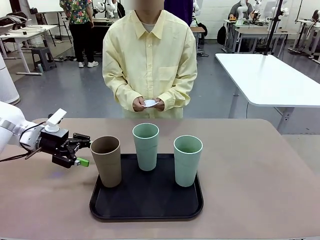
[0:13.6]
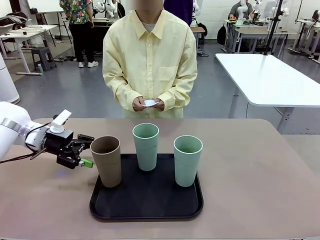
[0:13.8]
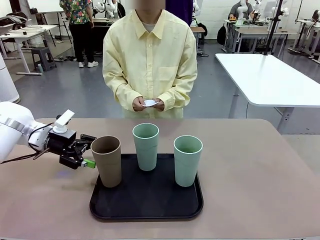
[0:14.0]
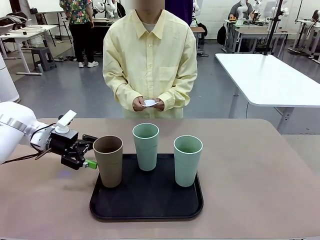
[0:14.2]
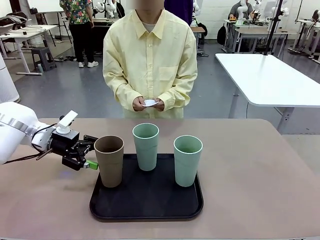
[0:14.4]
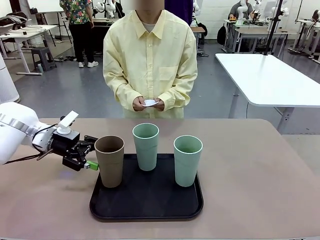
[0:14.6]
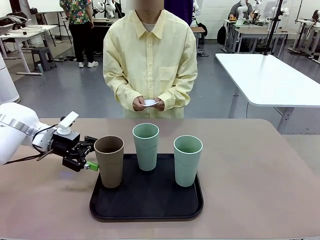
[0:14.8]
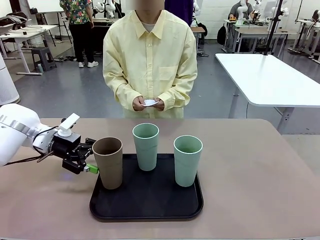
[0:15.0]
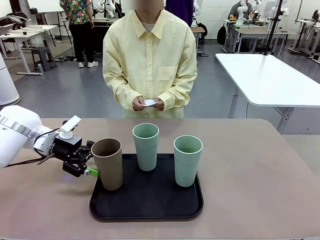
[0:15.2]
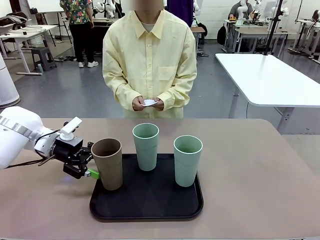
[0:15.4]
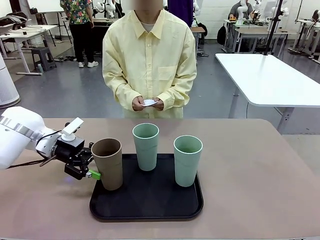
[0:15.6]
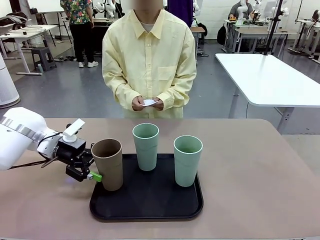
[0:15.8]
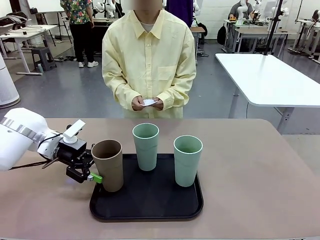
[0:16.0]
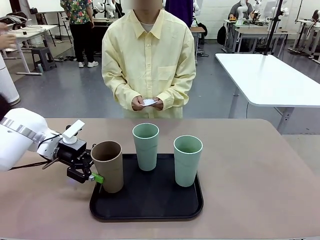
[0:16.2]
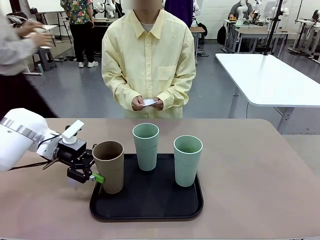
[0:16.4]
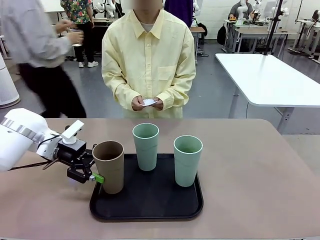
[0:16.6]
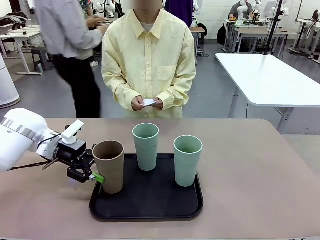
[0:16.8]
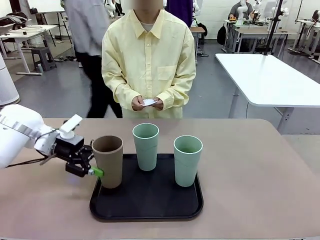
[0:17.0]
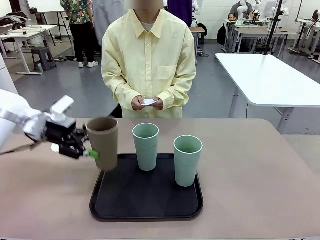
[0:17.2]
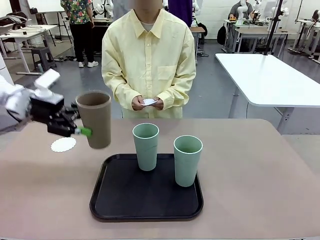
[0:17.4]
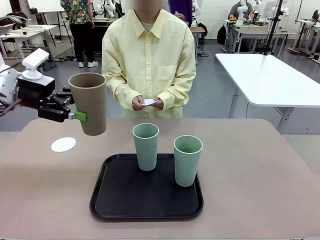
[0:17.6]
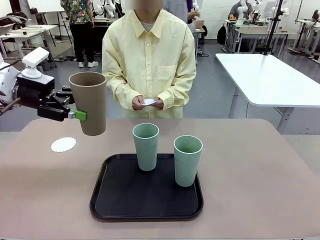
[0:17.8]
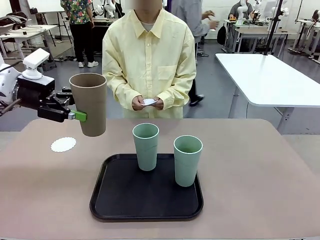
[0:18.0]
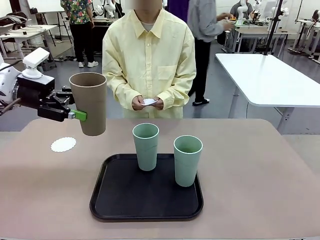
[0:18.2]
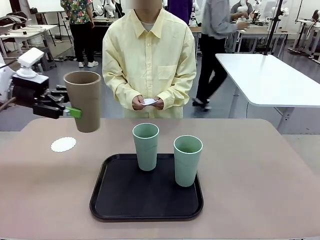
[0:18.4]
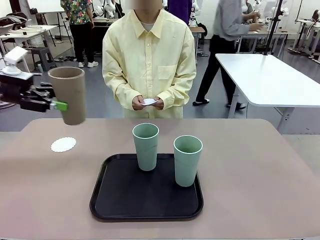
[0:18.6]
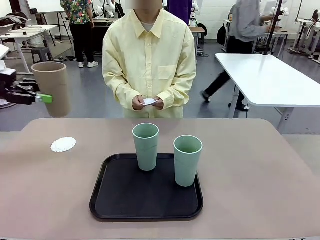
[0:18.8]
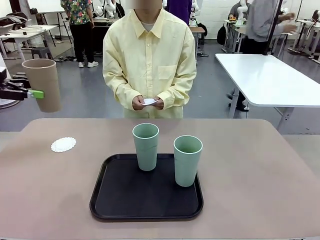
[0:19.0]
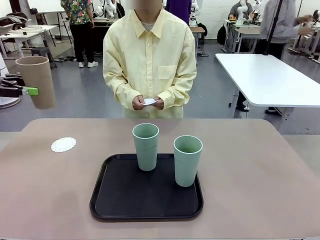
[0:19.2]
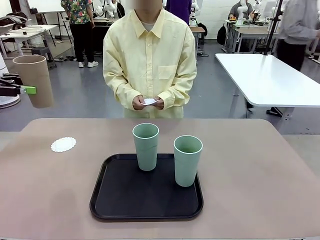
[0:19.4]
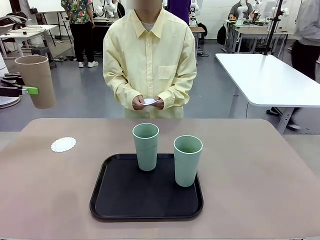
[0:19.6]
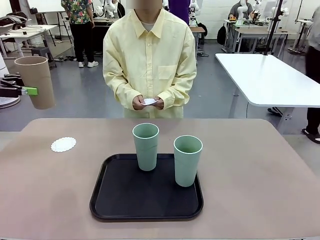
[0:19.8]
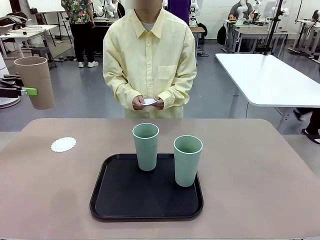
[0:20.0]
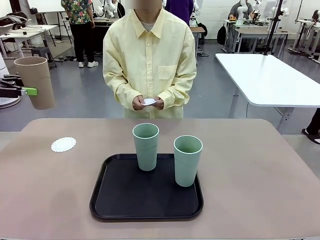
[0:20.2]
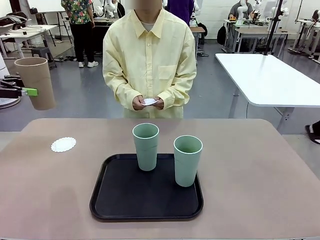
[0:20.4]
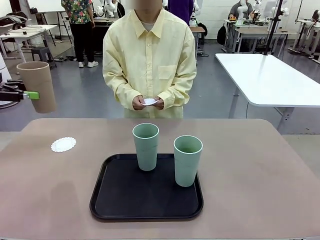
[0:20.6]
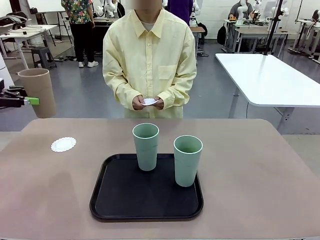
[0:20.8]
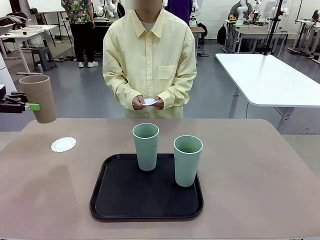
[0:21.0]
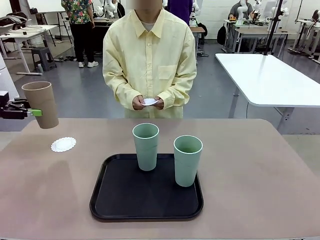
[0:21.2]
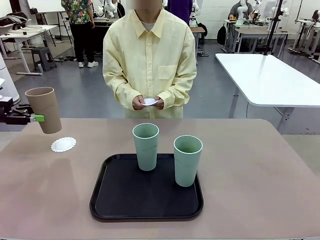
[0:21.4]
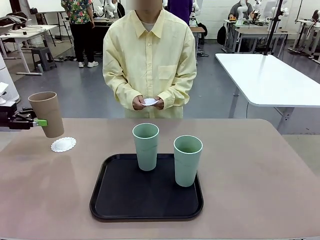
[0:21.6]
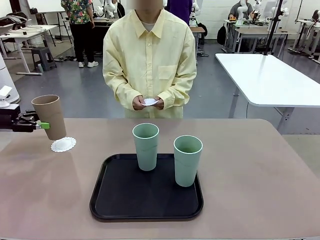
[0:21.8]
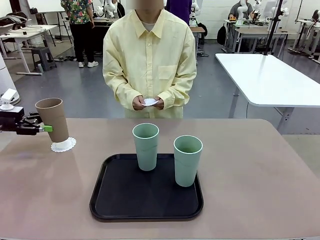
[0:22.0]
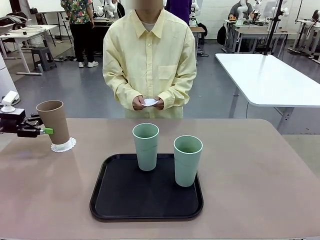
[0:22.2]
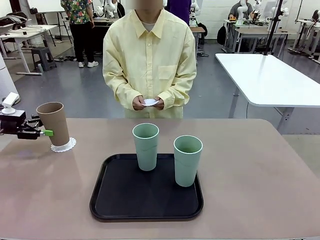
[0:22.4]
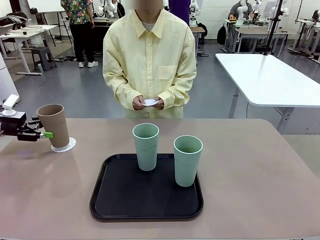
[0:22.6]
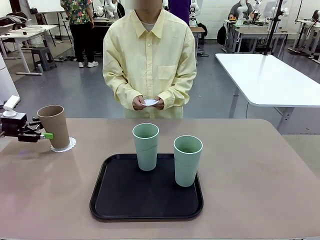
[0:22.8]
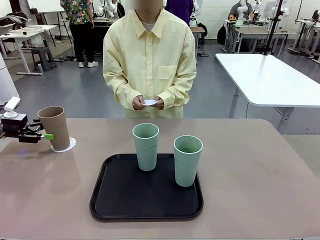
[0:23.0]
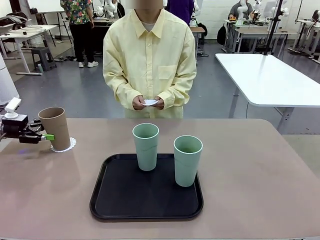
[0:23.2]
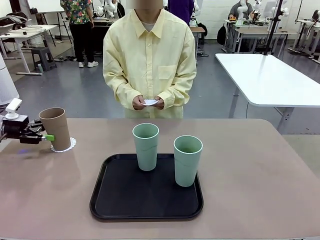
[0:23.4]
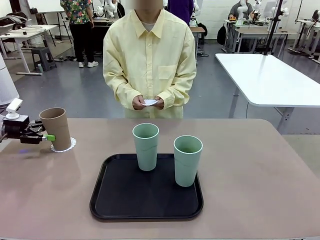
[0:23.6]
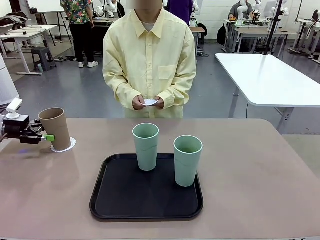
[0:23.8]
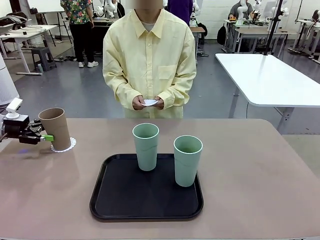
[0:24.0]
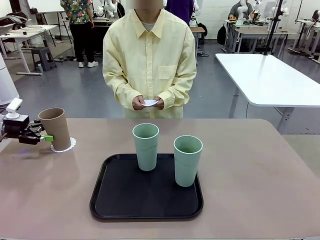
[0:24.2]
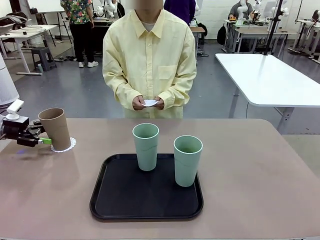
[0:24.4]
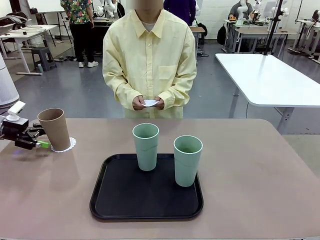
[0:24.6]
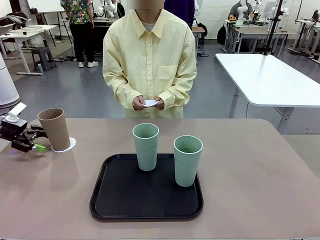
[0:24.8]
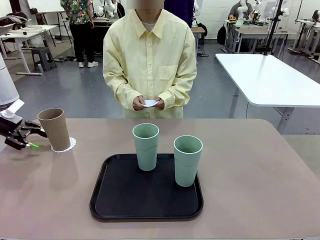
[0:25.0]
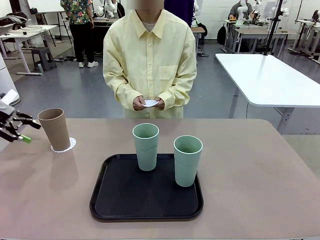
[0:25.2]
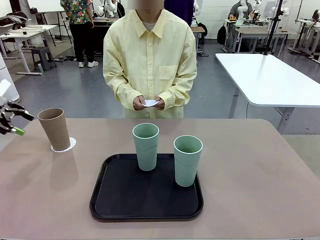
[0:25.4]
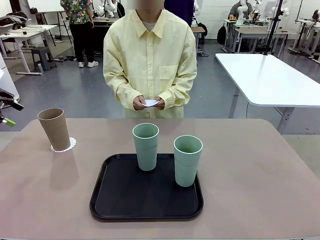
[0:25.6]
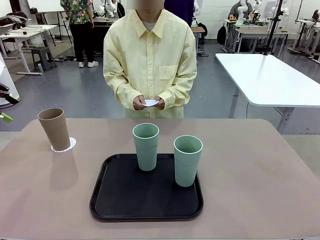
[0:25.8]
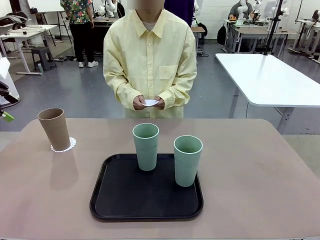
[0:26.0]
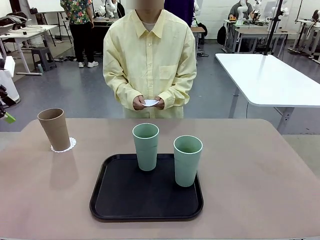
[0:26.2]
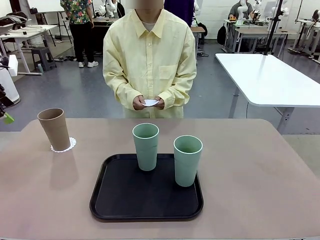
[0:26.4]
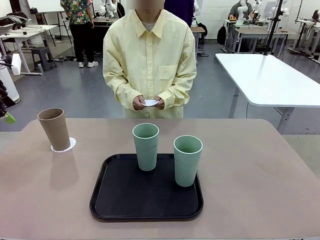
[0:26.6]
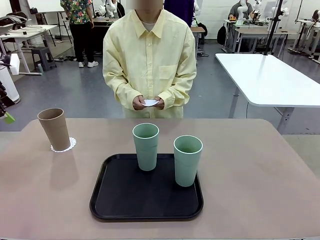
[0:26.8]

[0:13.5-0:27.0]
Task: Place coasters on the table and set cups on them.
Robot: Pick up one Reusable plastic cup and place it on a coaster set by the human.
Person: Place one coaster in one of the two areas excluding the previously selected area.

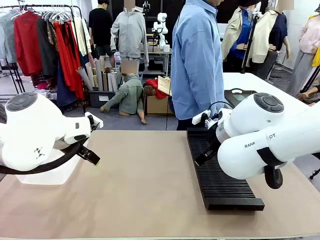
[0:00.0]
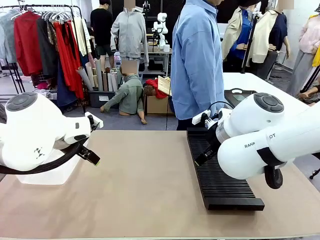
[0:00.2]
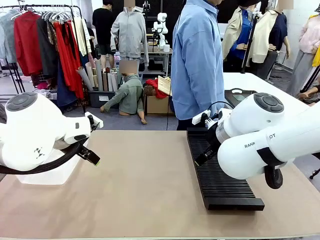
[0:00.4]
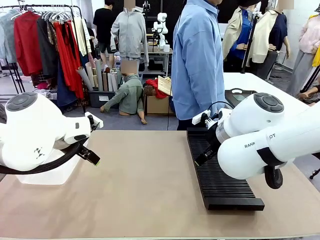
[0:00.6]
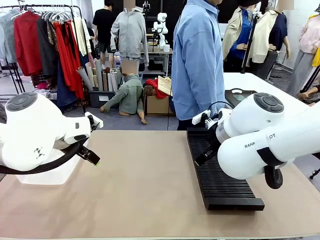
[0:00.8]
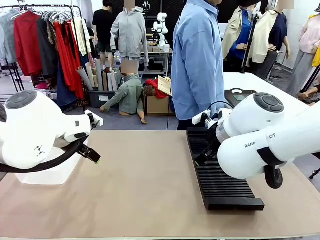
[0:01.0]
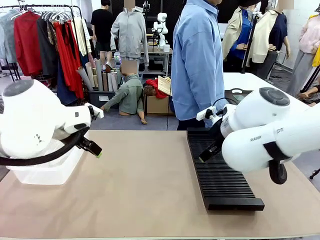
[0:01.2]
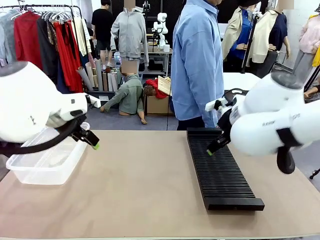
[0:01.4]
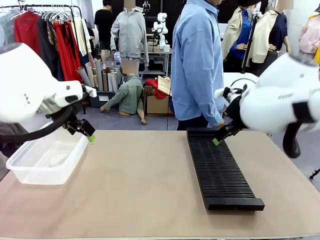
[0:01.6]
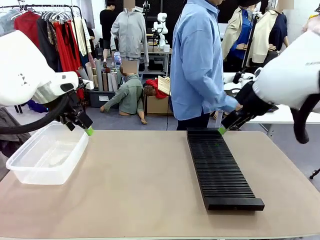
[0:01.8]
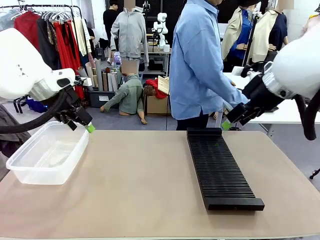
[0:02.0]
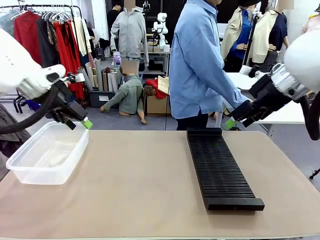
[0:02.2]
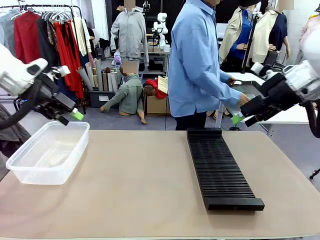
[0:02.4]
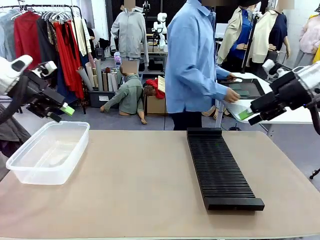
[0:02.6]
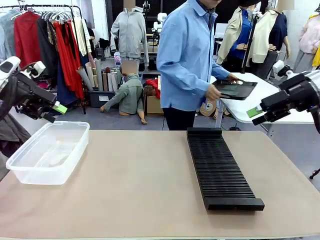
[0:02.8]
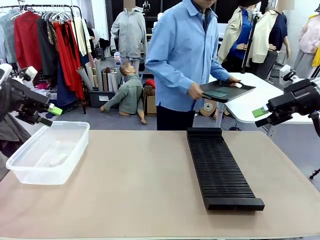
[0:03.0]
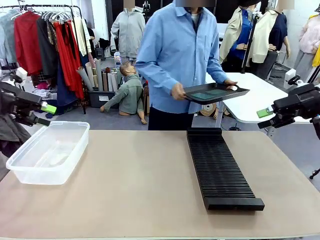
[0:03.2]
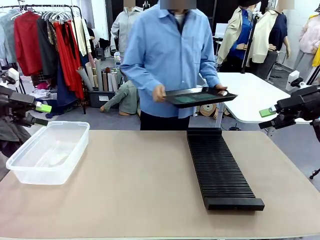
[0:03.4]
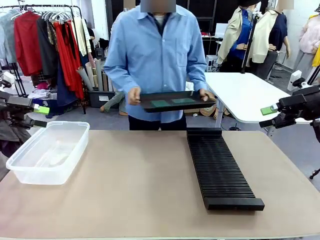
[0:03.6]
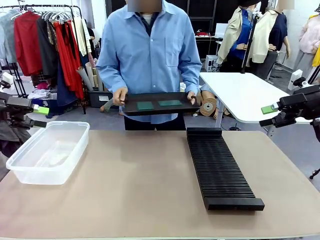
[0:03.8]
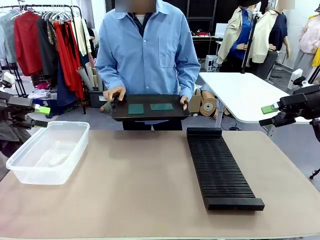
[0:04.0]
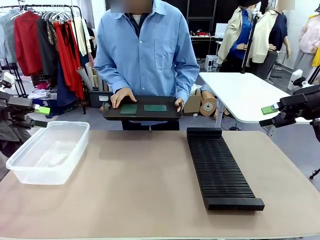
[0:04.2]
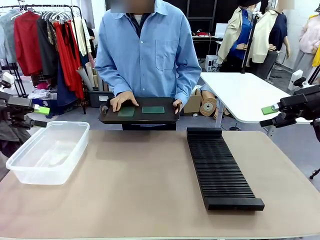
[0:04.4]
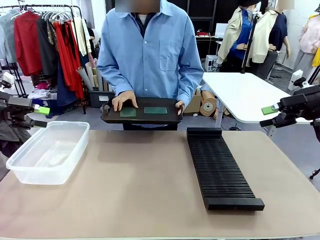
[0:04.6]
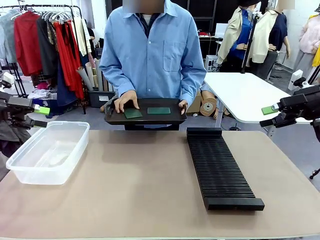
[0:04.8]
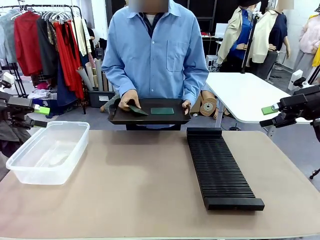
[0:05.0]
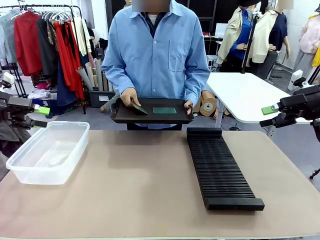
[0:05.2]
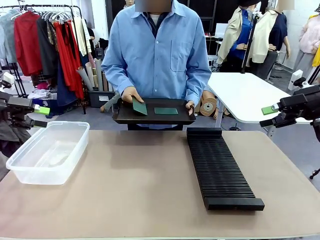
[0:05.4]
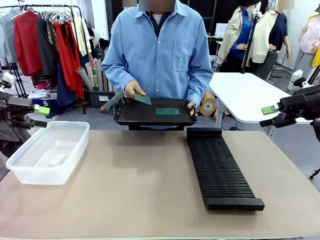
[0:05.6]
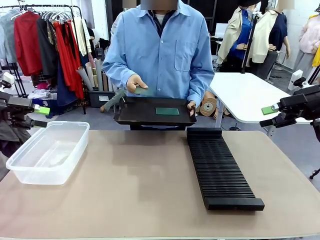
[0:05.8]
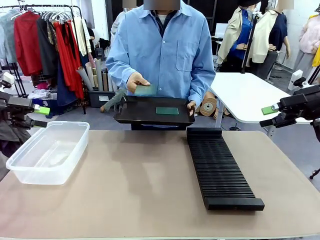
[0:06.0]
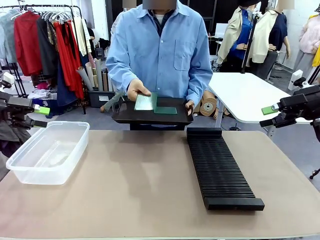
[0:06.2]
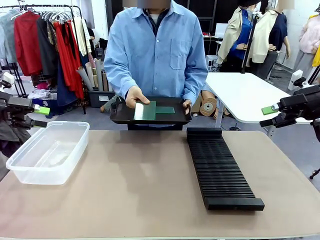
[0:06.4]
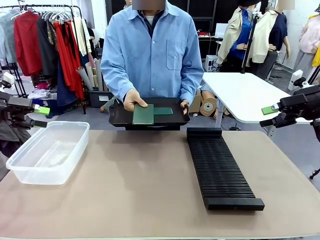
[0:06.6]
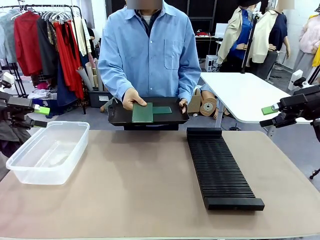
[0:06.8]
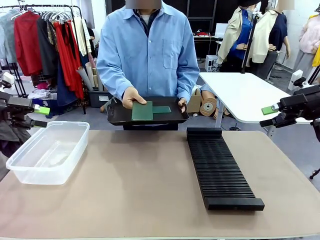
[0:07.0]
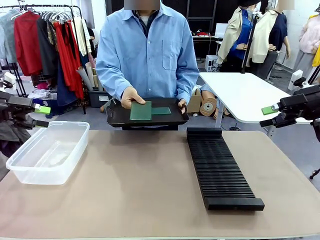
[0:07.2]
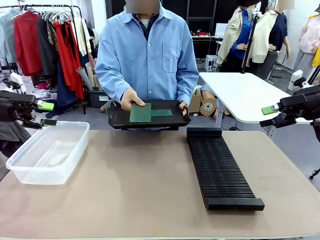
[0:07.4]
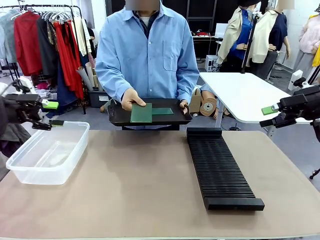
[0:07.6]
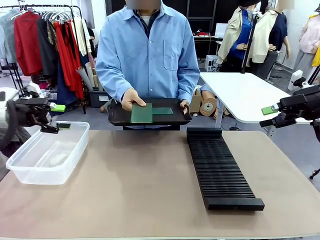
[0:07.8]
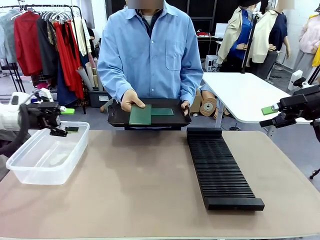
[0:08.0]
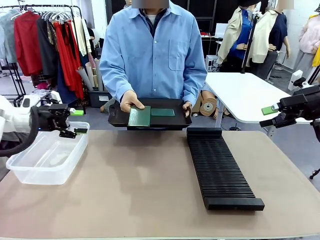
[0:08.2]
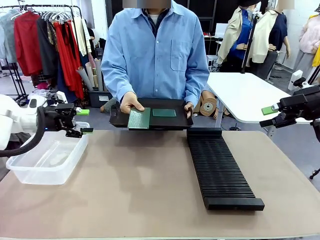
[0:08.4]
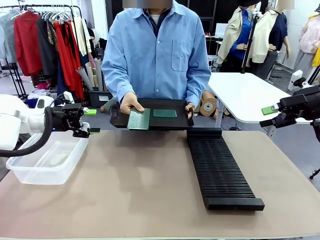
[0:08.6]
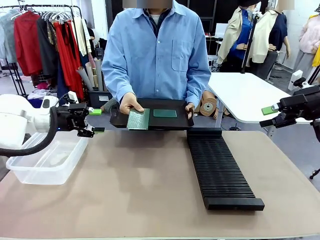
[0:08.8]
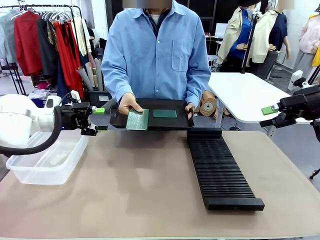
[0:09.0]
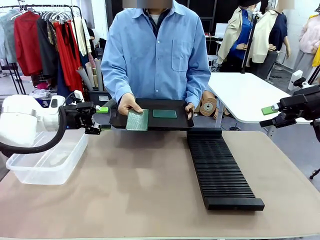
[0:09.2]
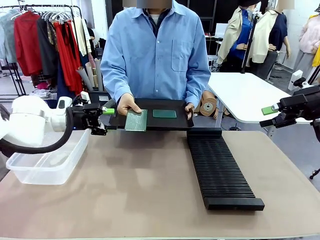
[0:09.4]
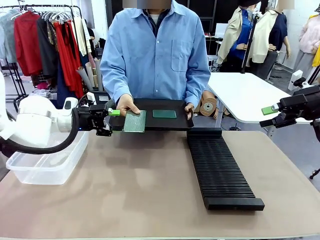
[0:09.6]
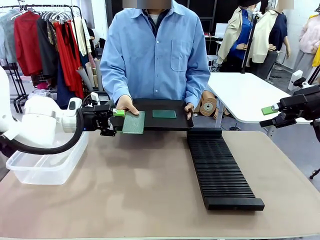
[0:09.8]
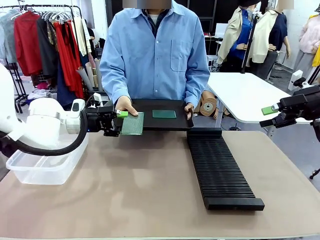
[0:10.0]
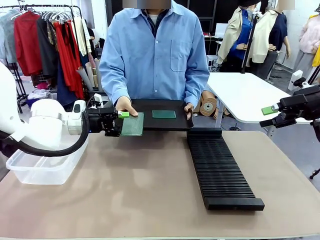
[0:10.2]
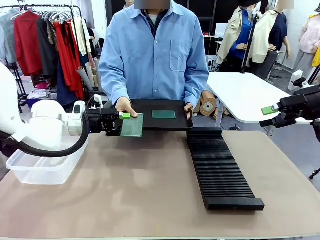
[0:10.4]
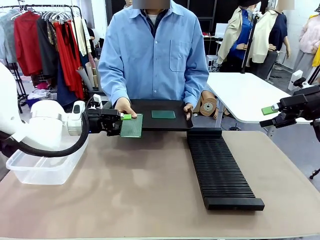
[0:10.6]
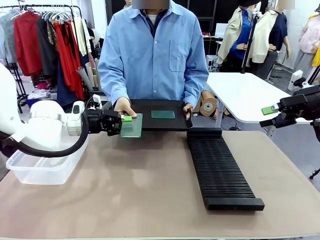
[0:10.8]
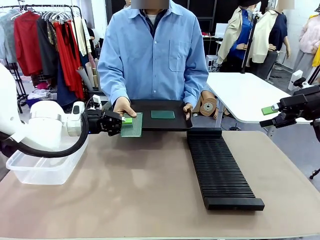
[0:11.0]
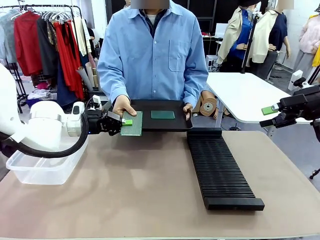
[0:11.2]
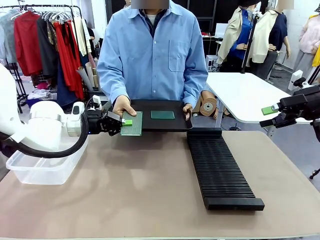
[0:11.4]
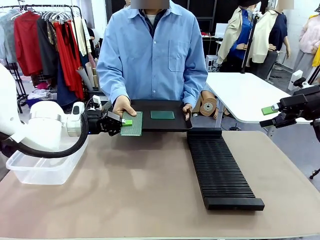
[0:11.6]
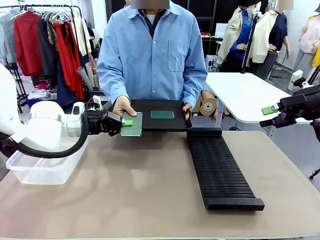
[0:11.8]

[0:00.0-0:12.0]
Task: Sort PCBs into racks and boxes based on the side picked up.
Robot: Pick up the Blank PCB handed by the Human.
Person: Pick one PCB from the tray and present it to the robot. Release the PCB being held.
